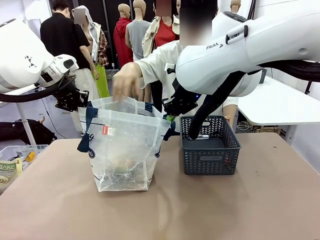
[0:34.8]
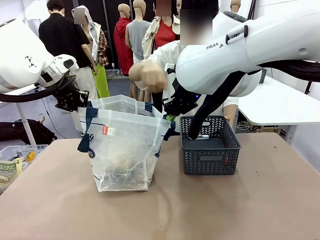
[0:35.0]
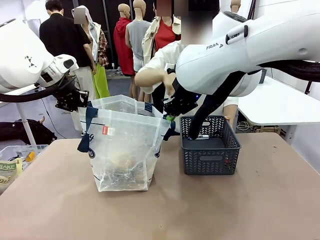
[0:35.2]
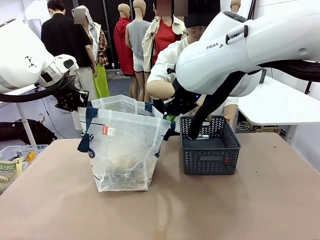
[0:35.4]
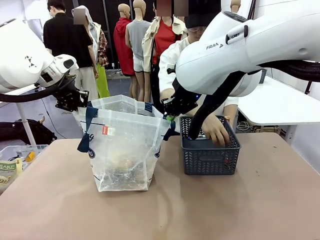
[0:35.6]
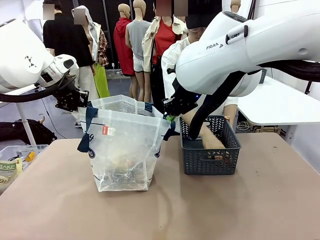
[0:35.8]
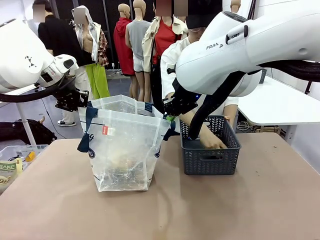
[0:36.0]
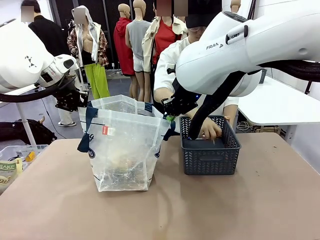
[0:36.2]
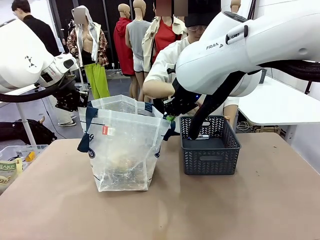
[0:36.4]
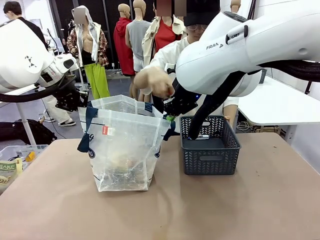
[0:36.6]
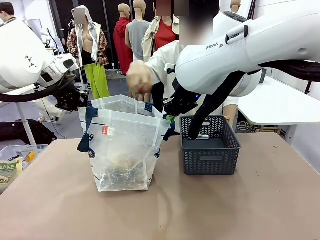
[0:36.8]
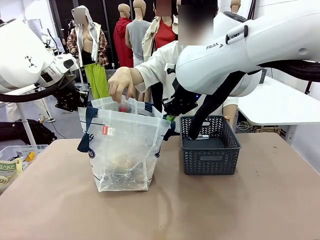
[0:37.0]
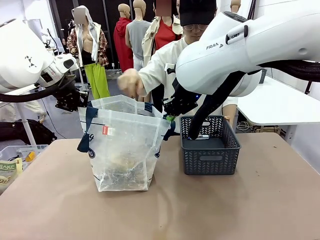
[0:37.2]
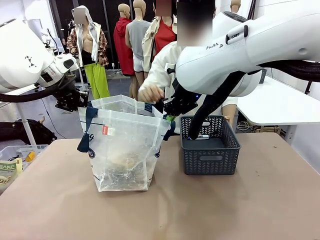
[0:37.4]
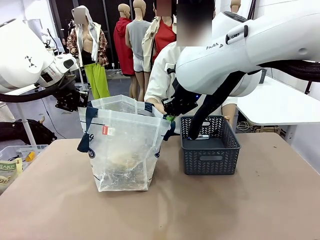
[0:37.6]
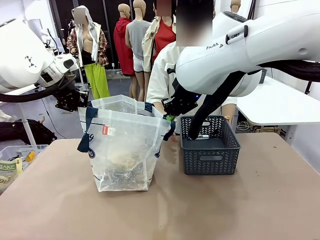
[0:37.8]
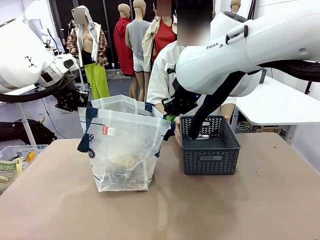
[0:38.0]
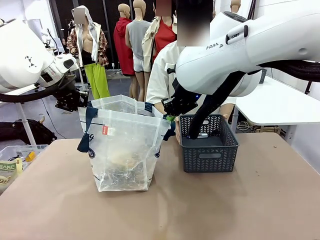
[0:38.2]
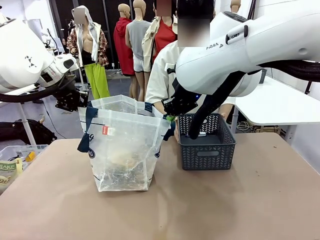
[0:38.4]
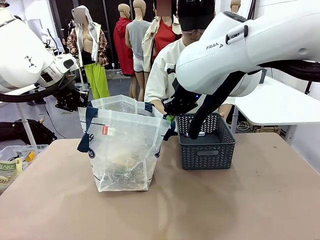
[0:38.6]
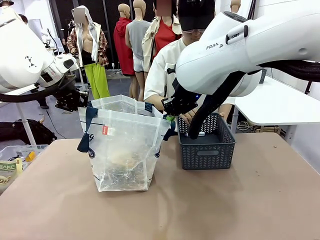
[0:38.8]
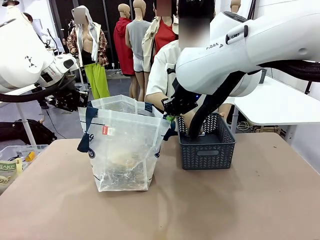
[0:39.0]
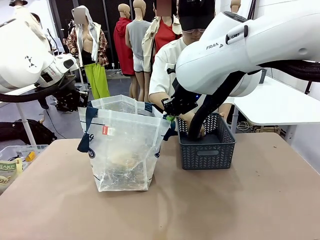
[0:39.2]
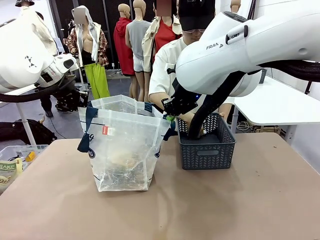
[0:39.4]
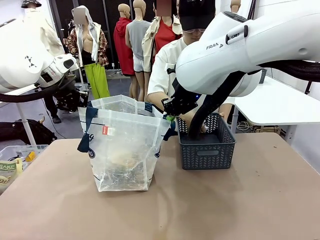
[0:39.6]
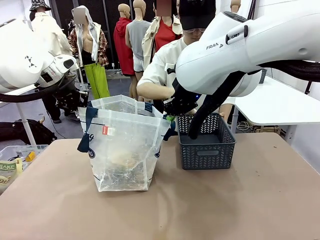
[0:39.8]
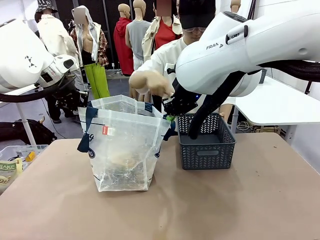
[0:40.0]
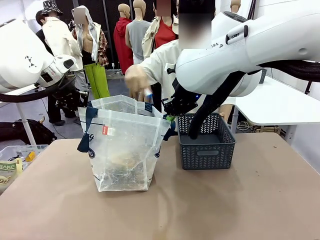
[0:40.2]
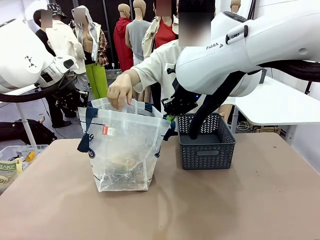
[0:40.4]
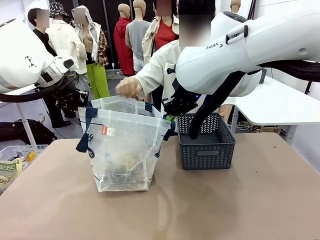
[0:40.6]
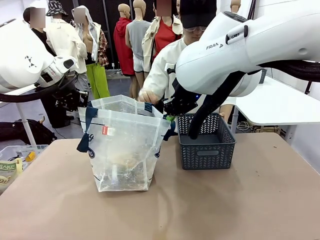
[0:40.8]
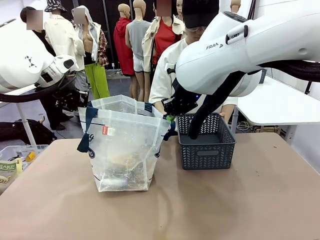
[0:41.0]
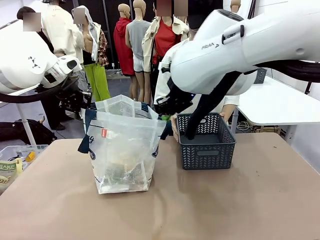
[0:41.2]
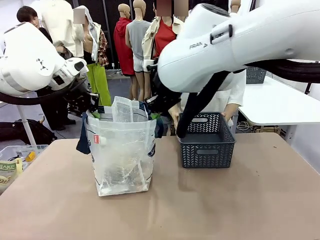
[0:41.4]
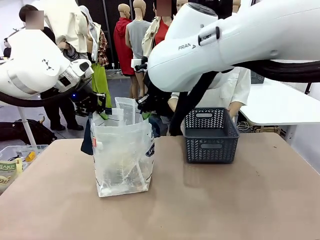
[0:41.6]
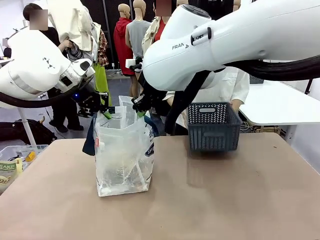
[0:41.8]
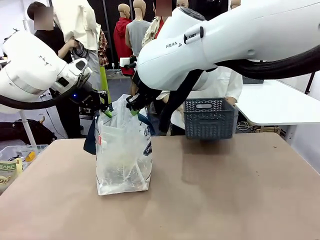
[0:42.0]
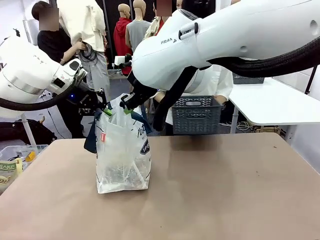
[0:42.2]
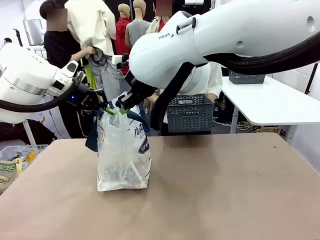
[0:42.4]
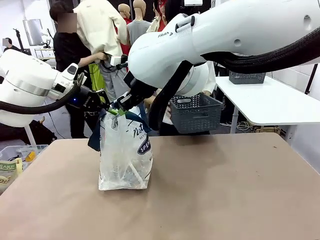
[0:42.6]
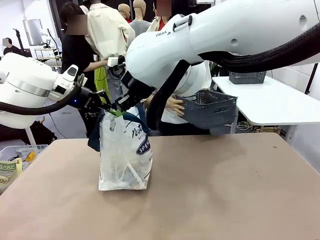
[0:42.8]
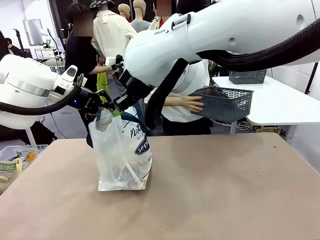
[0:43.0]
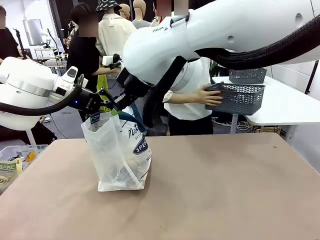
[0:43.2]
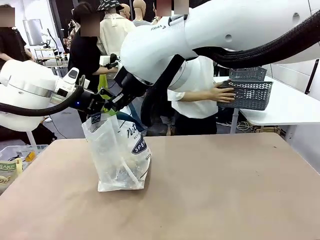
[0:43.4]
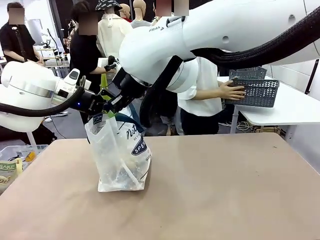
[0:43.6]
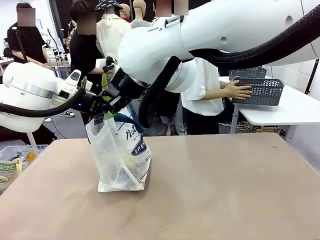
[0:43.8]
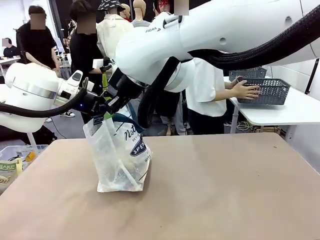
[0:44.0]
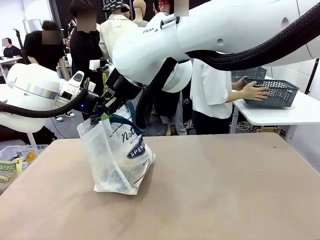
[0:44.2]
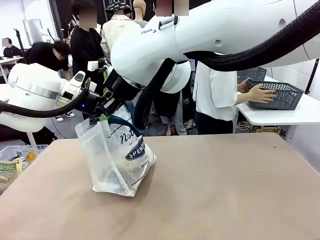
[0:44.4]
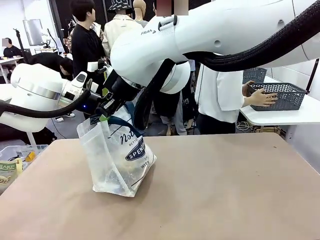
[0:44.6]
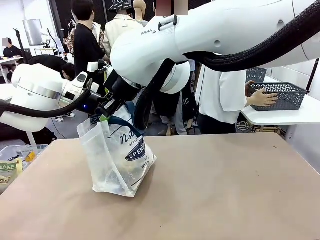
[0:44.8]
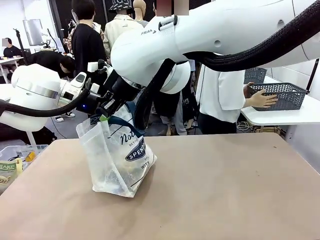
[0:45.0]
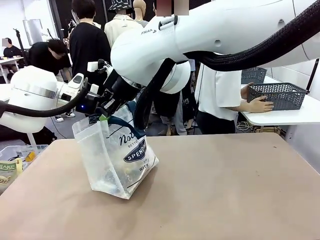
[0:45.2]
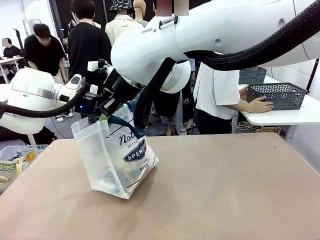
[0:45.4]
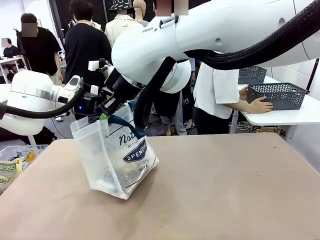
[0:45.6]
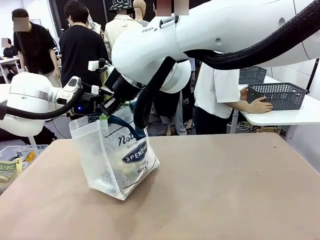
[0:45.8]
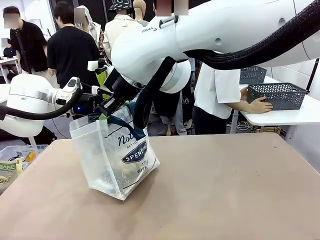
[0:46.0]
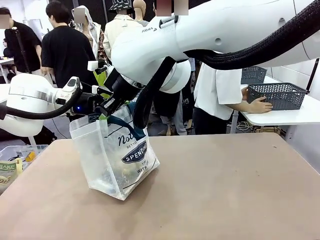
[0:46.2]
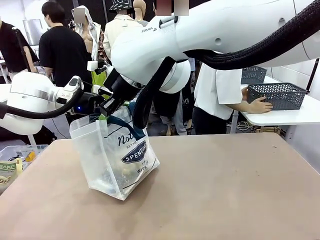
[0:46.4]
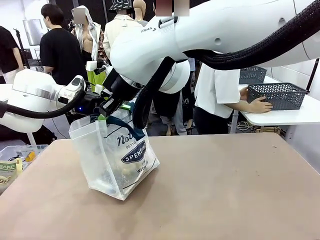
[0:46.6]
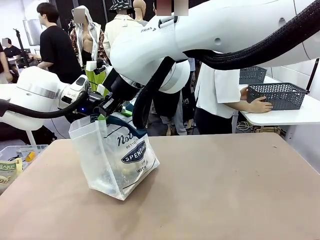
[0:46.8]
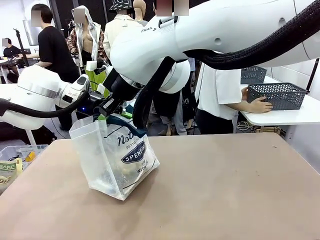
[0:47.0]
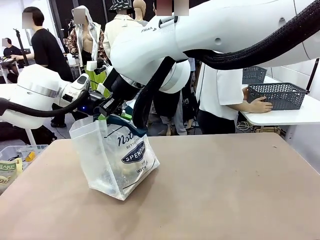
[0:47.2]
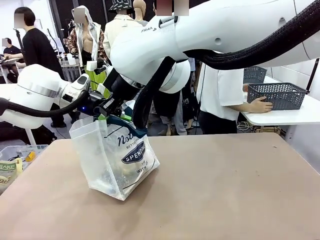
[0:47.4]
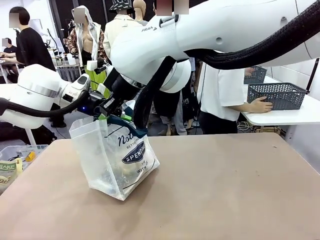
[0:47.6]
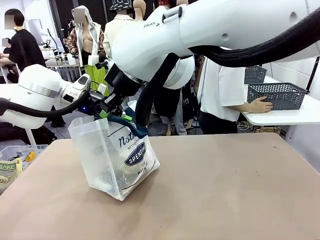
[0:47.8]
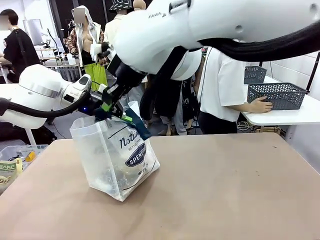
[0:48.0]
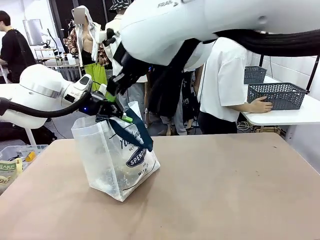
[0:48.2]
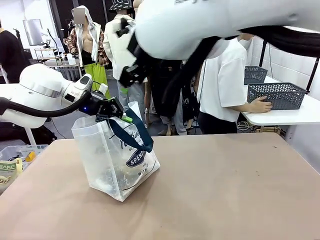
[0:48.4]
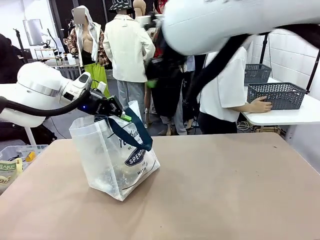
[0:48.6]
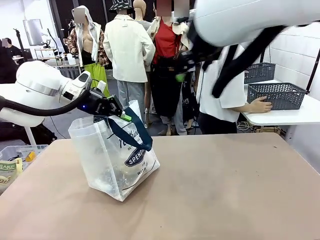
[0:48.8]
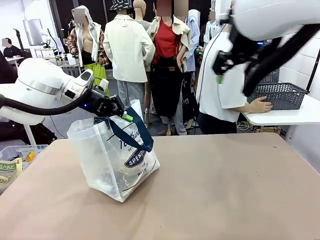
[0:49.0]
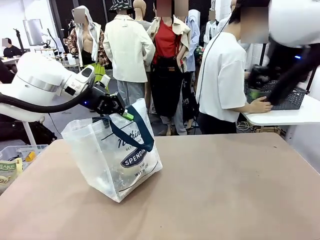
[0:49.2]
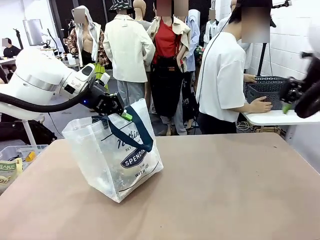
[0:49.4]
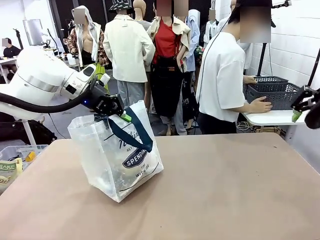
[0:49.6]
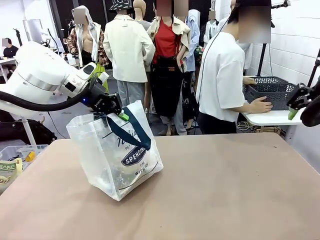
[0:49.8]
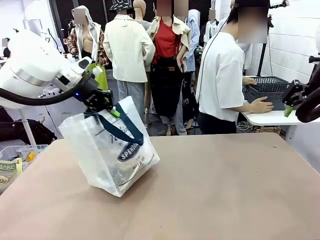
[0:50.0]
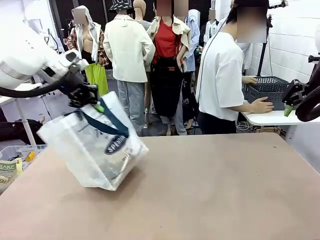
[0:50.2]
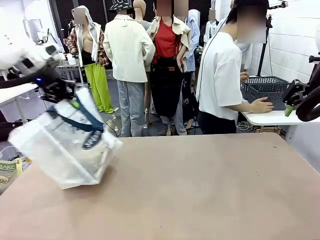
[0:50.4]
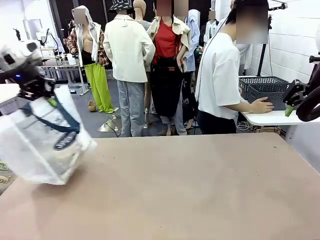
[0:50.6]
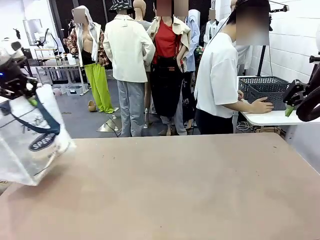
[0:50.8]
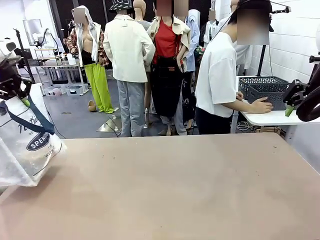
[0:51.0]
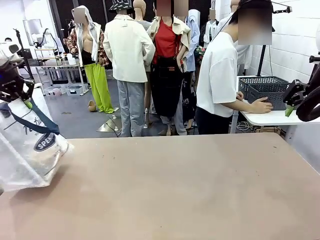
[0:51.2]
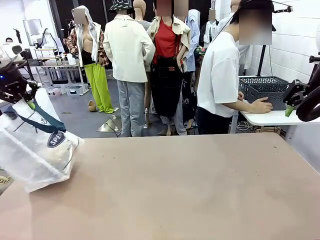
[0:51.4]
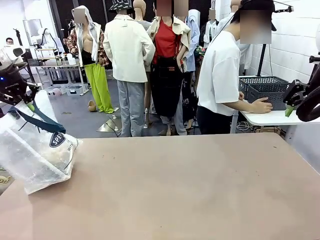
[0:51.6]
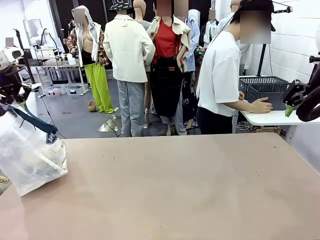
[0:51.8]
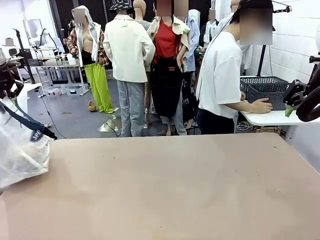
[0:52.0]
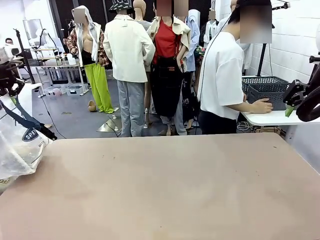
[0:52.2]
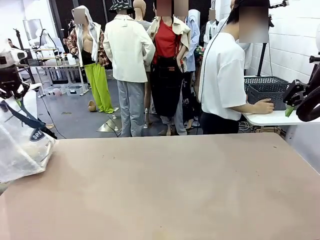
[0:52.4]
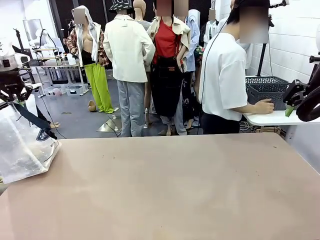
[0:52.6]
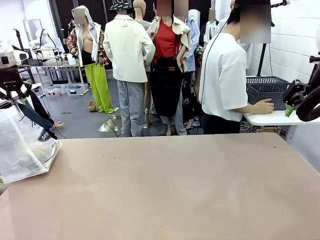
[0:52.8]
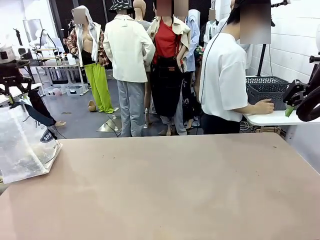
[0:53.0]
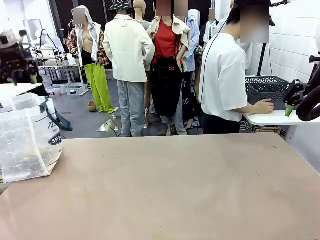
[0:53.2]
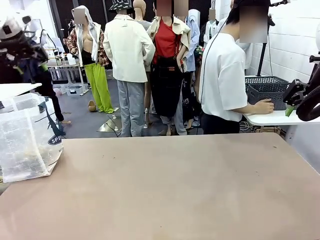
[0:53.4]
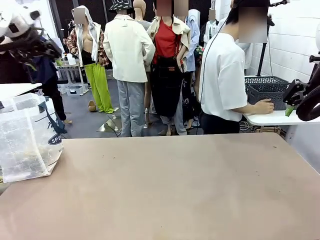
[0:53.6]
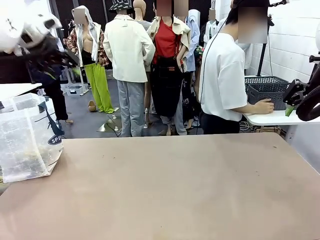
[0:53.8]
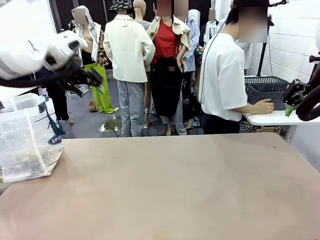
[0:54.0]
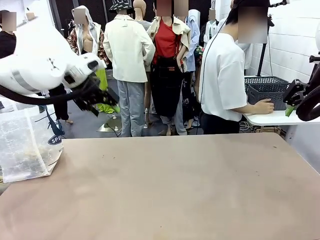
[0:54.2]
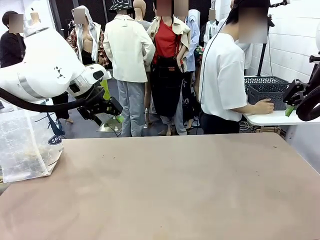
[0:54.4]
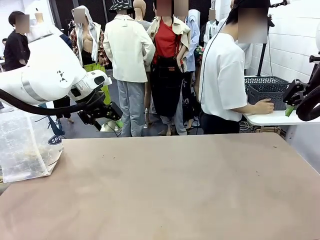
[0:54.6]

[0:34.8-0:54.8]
Task: Transfer purchased items from the store into the shopping bag.
Robot: Move the Reusable shopping bag to the right side of the table.
Person: Move the basket on the left to the middle of the person's table.
